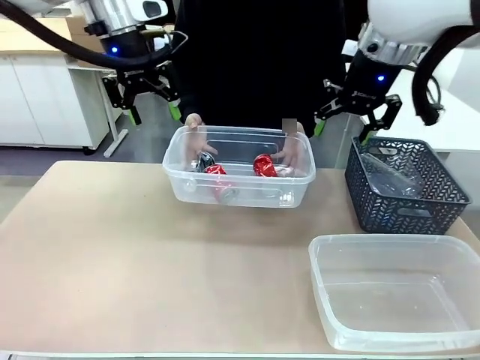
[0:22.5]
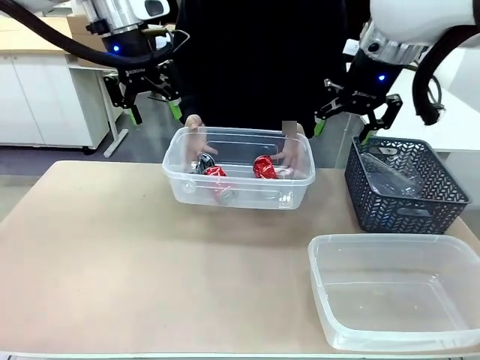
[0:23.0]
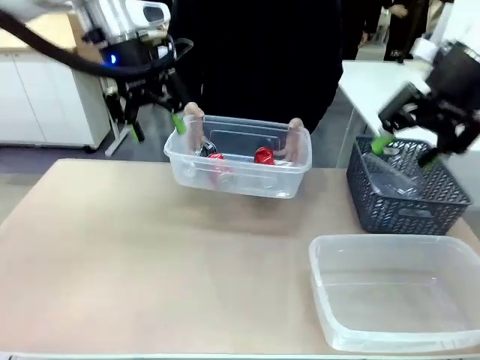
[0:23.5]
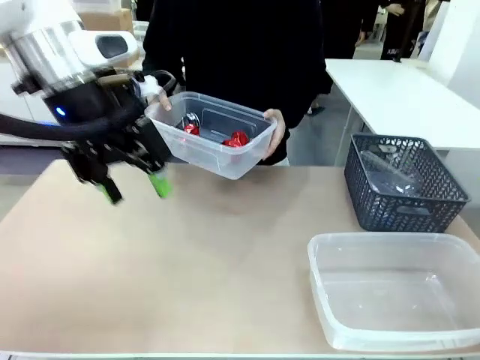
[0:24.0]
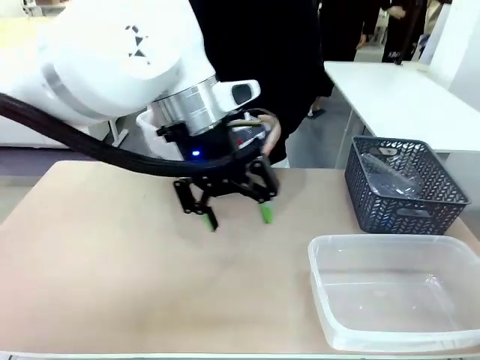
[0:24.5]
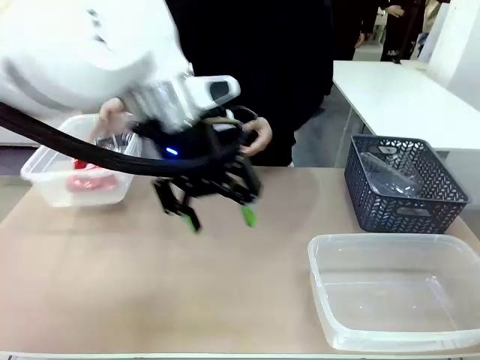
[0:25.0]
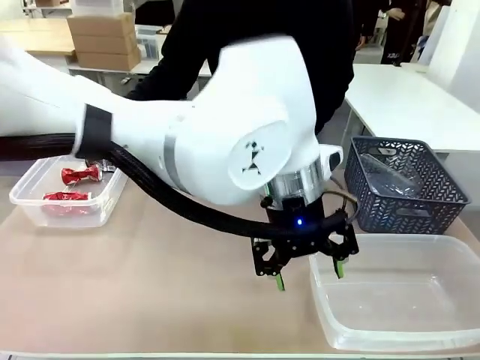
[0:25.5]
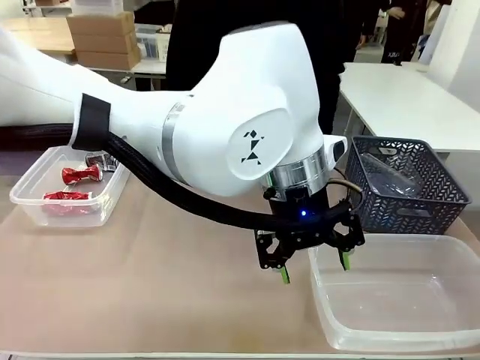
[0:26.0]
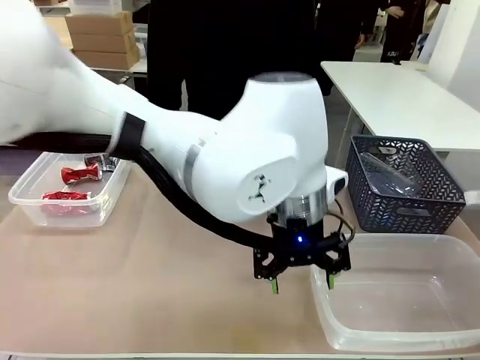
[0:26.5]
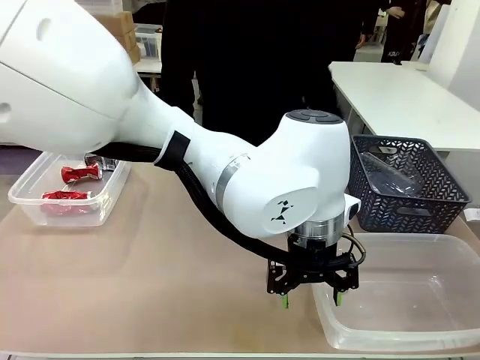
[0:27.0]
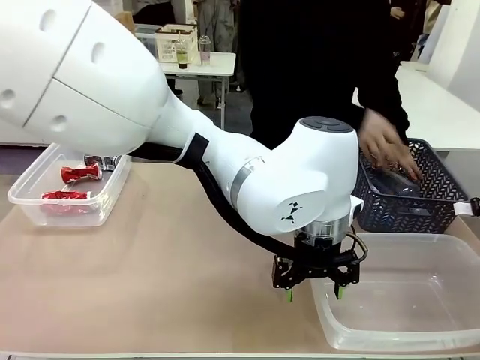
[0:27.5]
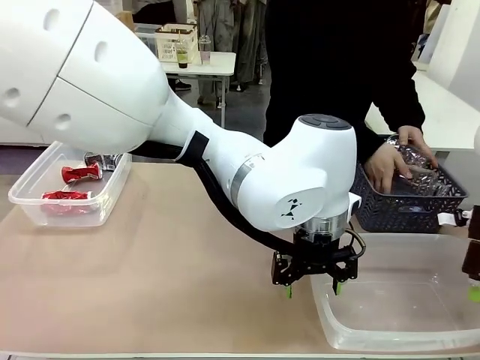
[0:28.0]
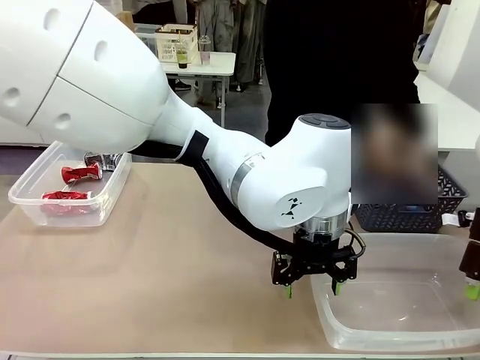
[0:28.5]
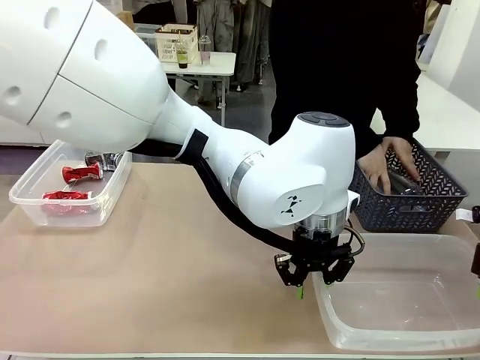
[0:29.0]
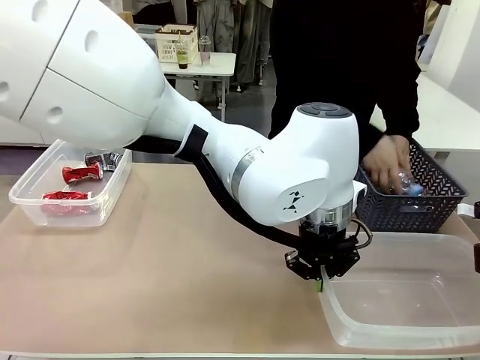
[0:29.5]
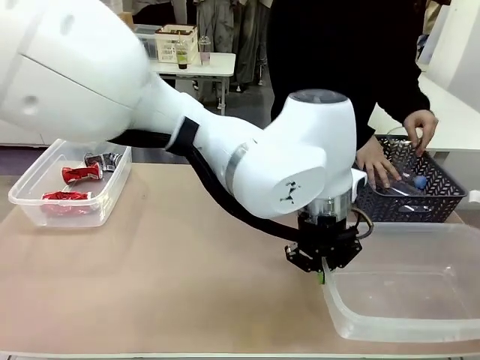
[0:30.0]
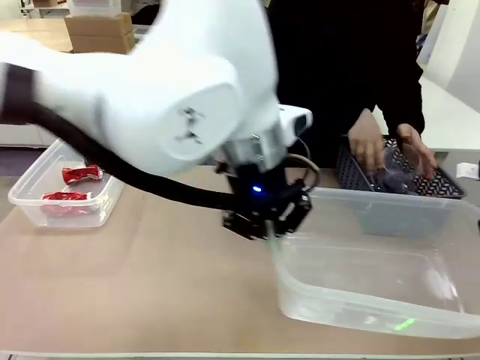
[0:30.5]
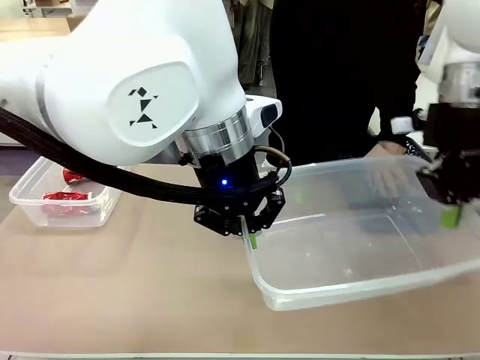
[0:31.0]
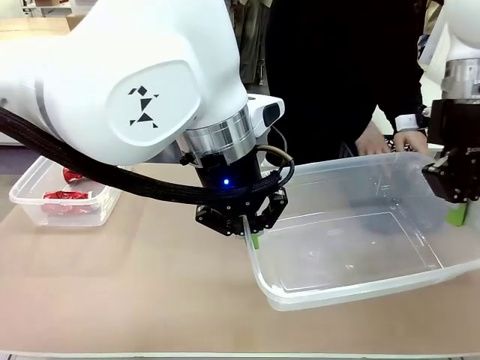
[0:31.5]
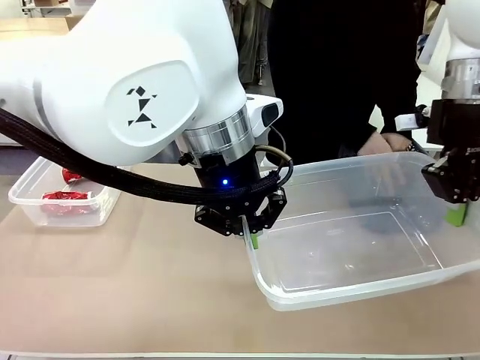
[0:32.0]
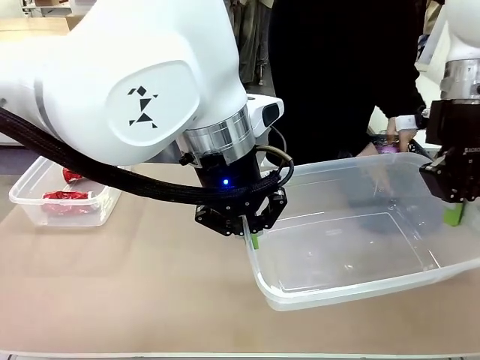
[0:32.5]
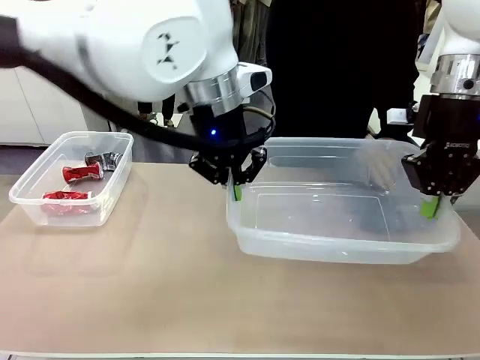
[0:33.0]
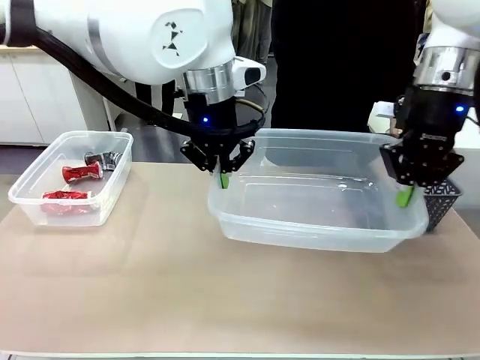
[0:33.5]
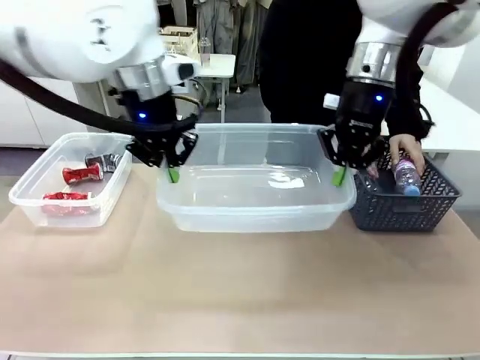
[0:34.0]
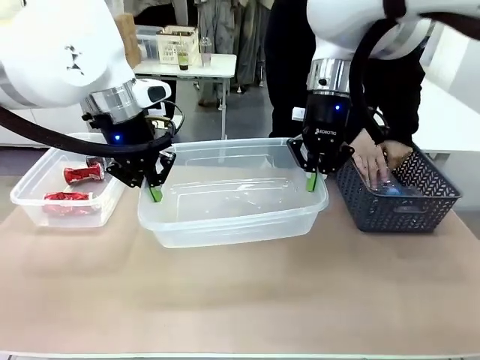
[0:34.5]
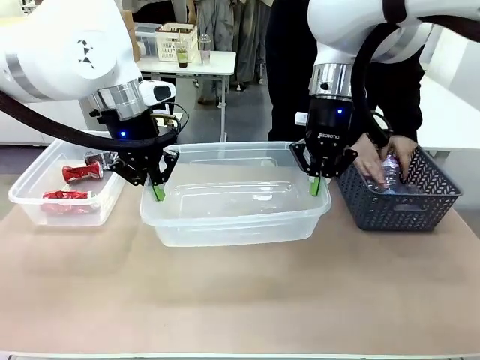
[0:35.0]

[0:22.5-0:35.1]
Robot: Pick up the Organizing box on the right side of the table and lift it.
Person: Place it at the edge of the bottom right area of the robot table. Pick up plastic waste one by one and place it into the organizing box lifted by the robot.

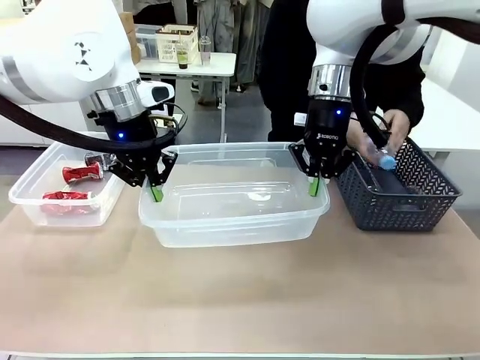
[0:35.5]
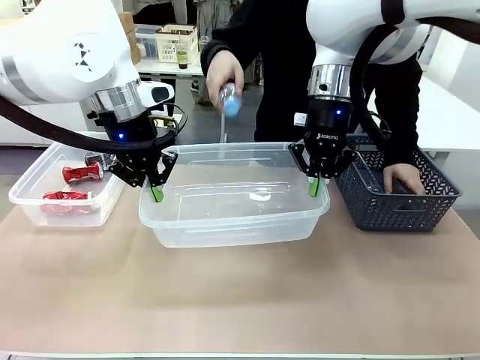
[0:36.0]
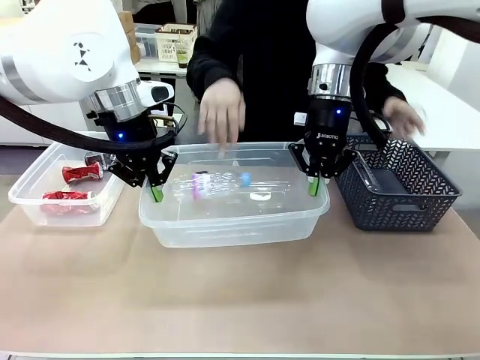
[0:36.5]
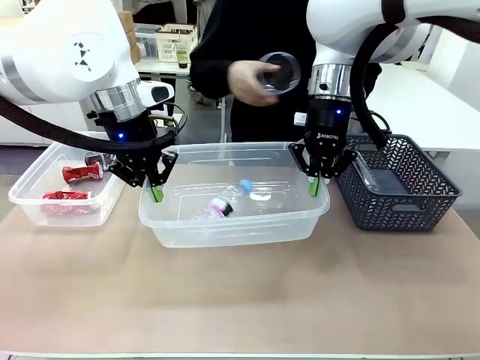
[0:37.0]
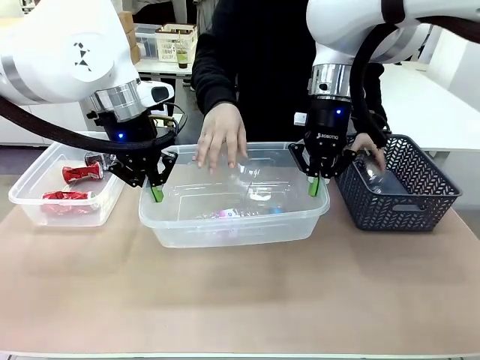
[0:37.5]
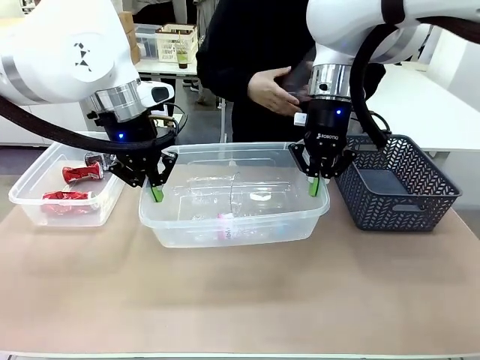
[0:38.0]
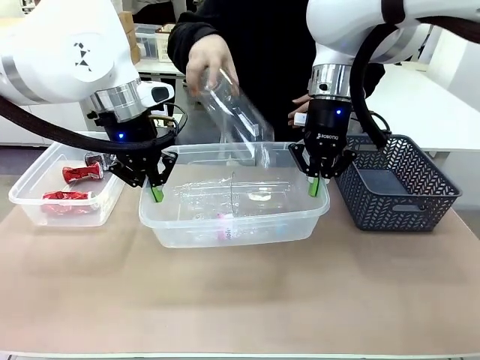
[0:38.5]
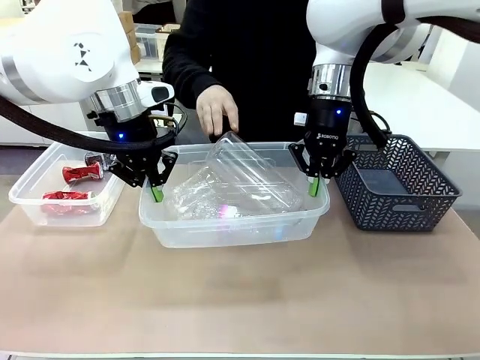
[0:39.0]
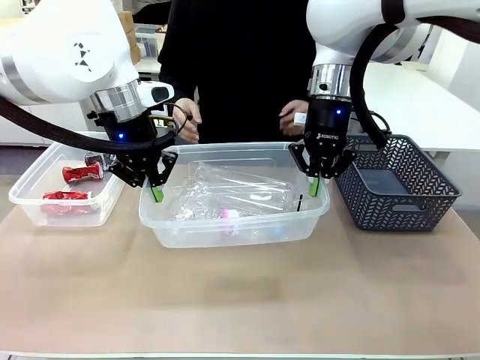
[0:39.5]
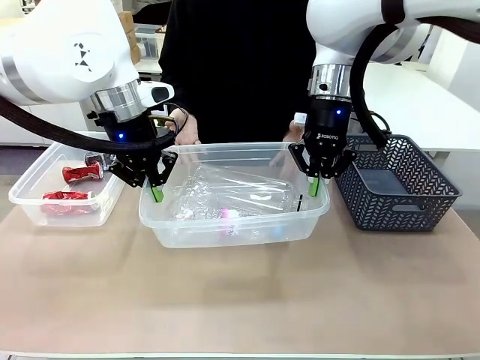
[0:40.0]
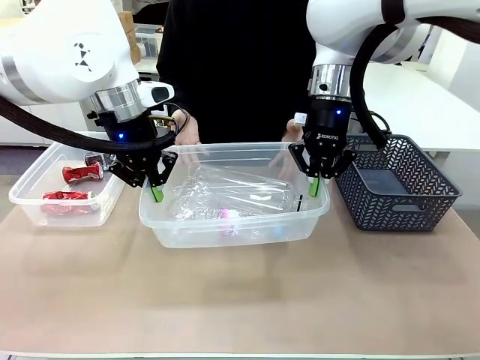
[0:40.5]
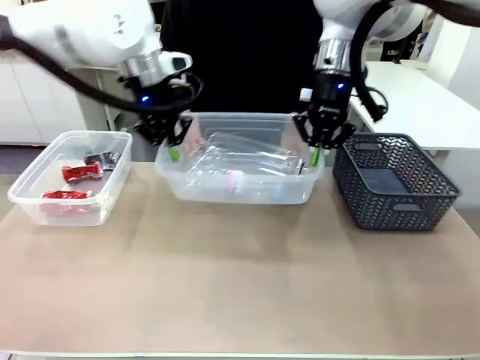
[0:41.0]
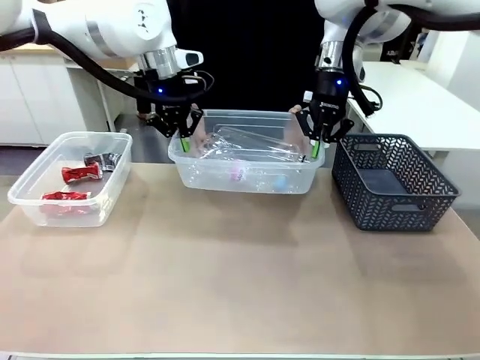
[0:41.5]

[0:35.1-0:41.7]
Robot: Offer the picked Organizing box to the human.

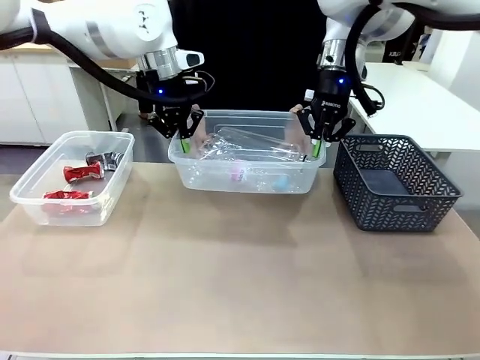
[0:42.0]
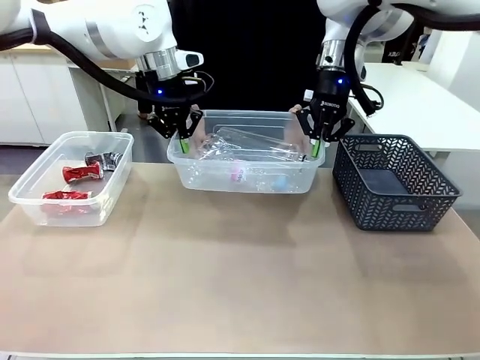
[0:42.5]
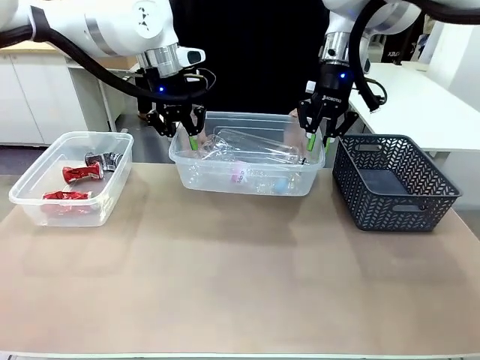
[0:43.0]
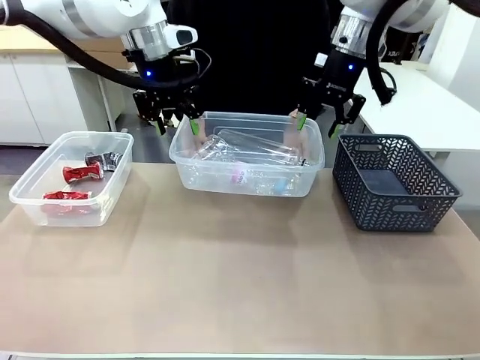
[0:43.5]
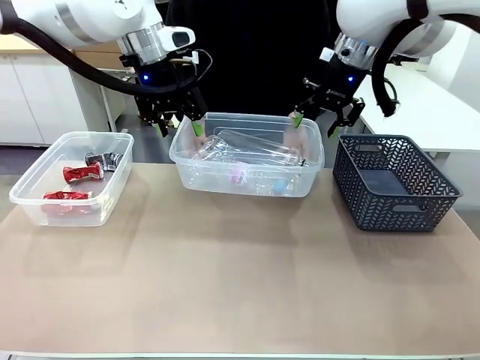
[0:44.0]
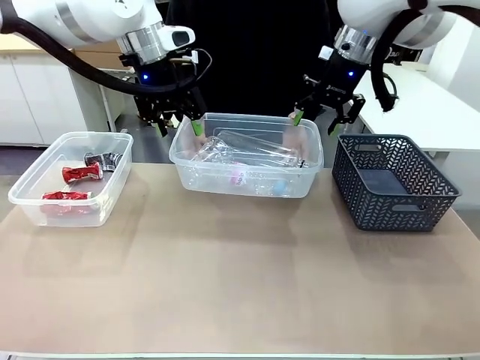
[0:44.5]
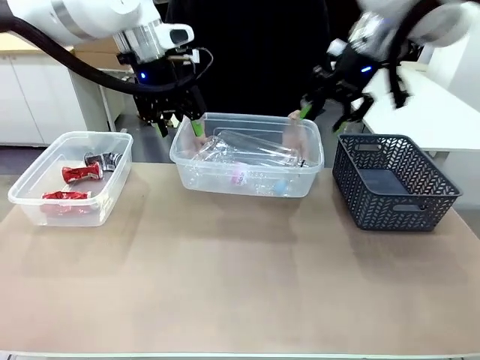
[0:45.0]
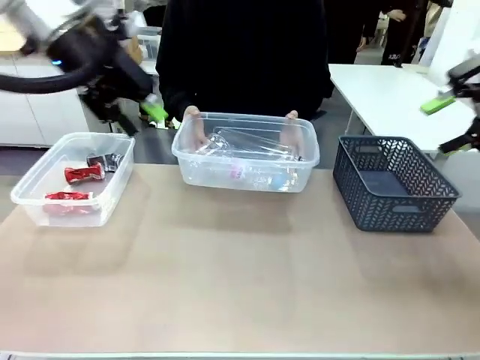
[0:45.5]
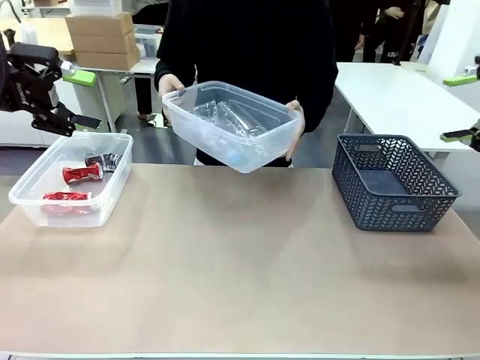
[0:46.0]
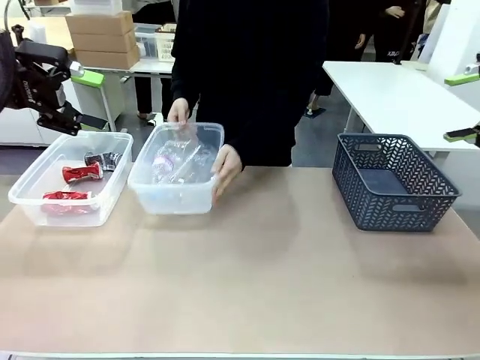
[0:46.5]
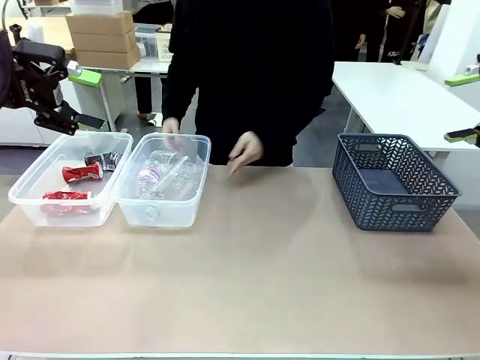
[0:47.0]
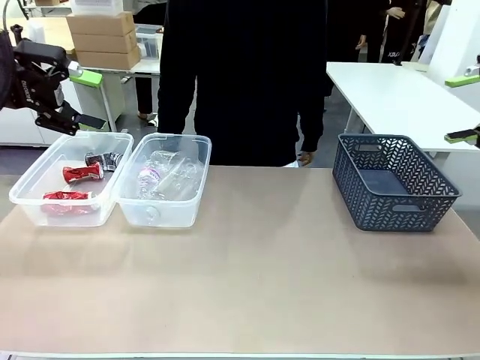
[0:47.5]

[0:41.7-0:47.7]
Robot: Release the Organizing box you were holding.
Person: Pick up the organizing box extended by the robot. Place the organizing box to the left of the sorting box containing the can waste.
